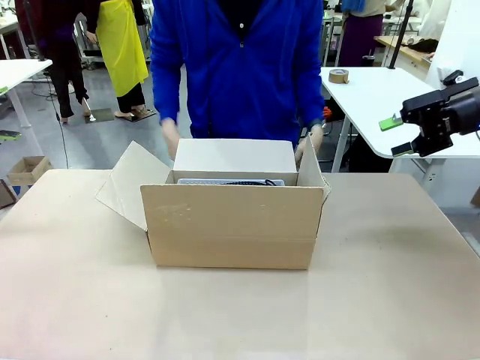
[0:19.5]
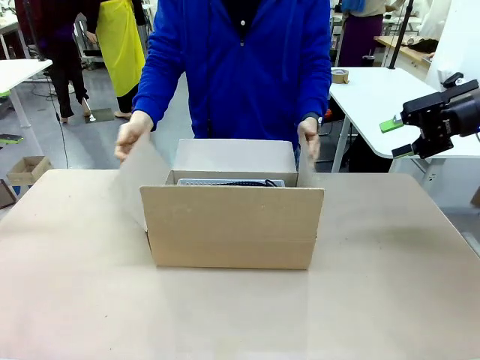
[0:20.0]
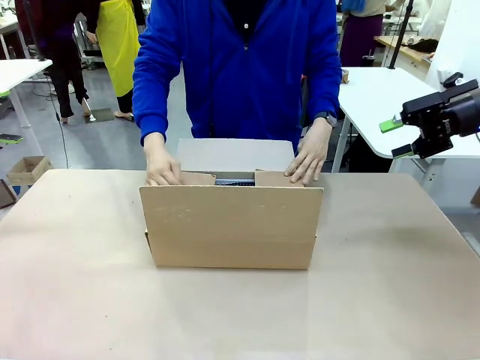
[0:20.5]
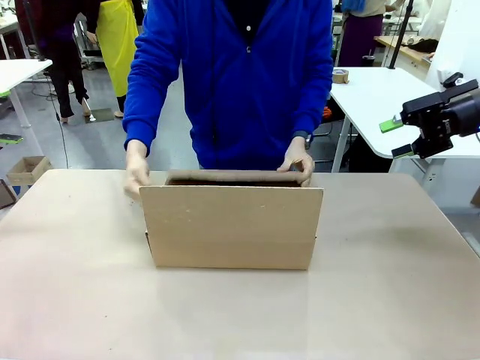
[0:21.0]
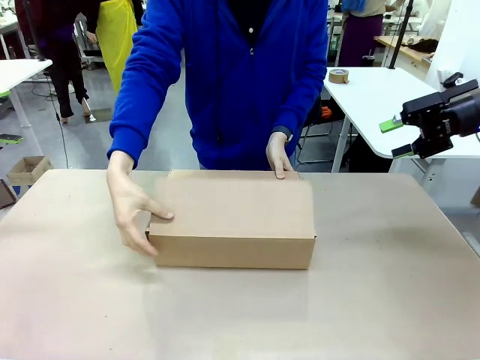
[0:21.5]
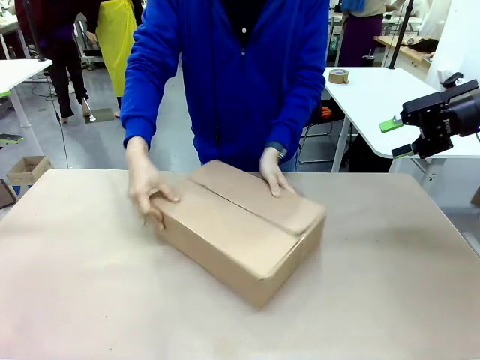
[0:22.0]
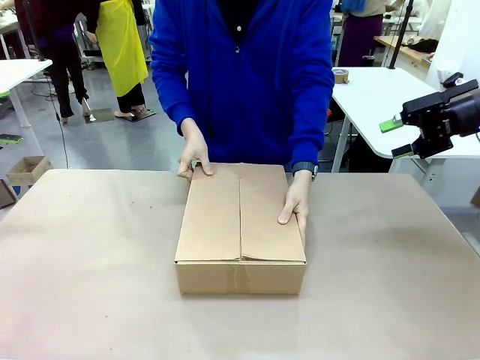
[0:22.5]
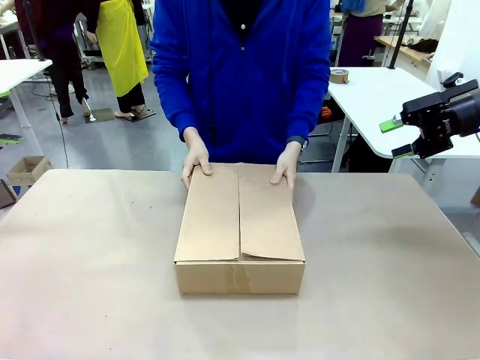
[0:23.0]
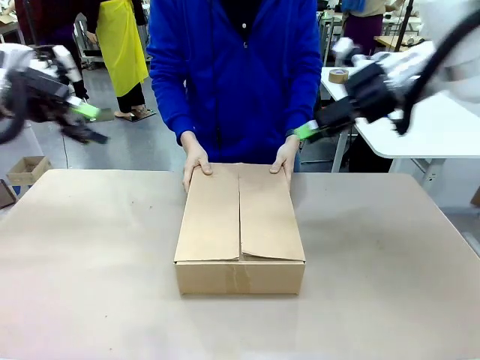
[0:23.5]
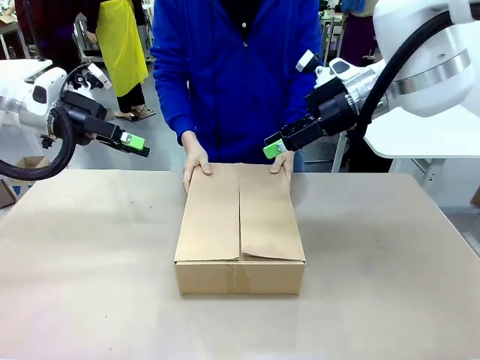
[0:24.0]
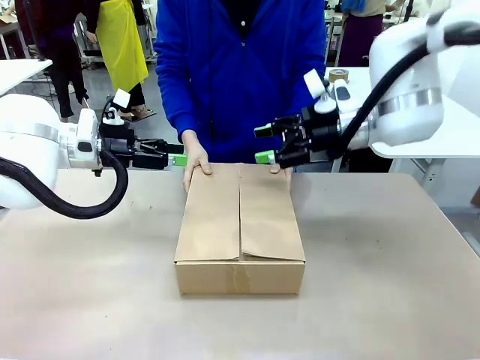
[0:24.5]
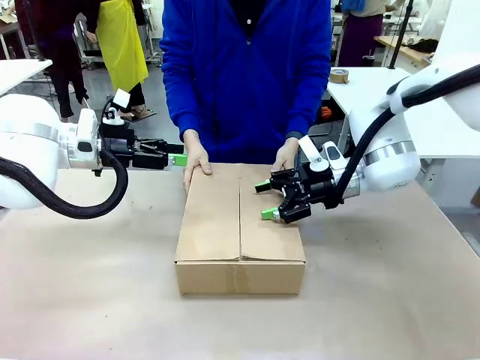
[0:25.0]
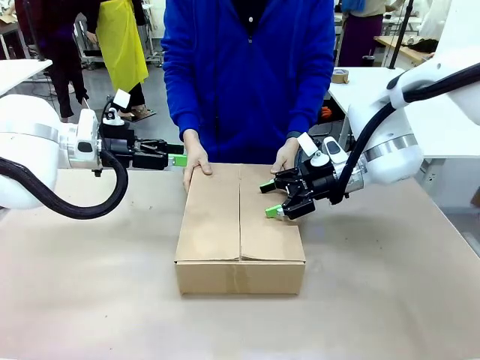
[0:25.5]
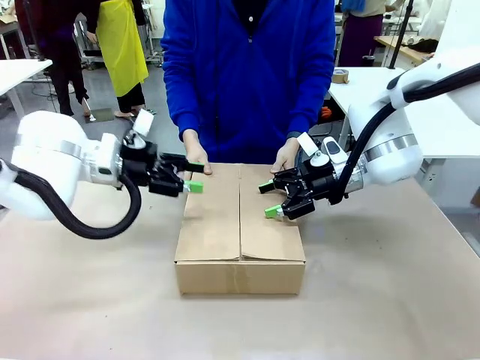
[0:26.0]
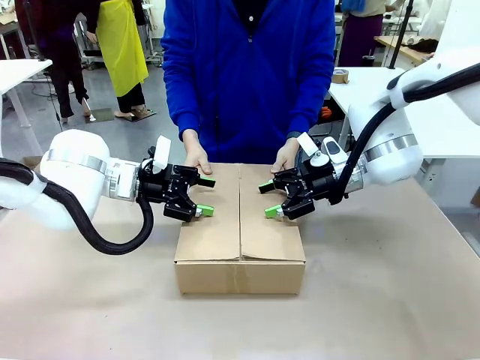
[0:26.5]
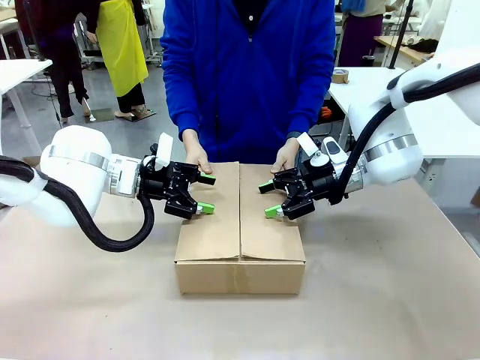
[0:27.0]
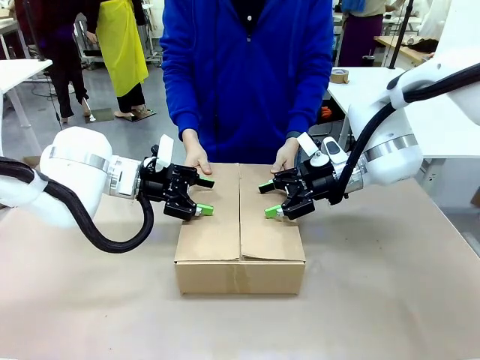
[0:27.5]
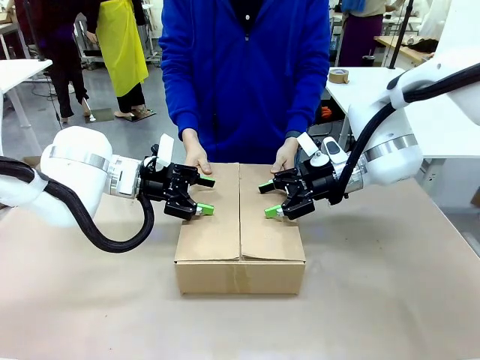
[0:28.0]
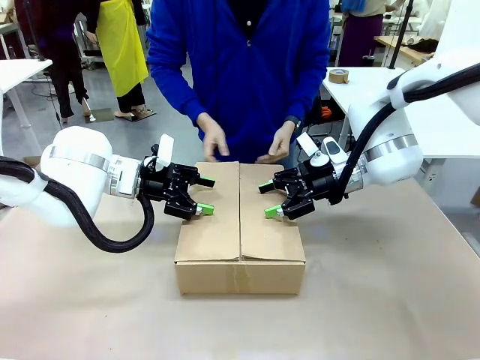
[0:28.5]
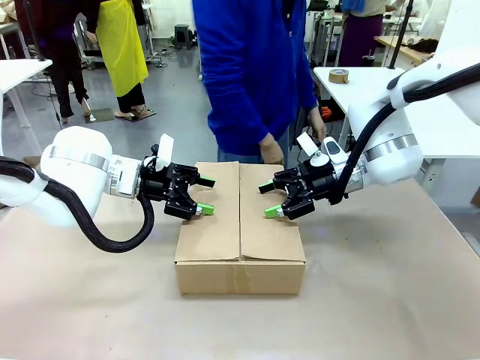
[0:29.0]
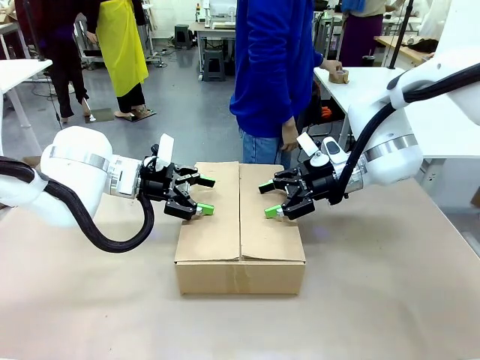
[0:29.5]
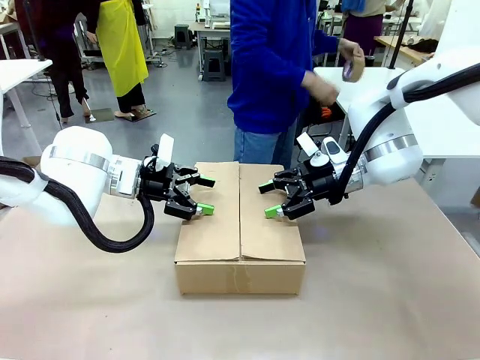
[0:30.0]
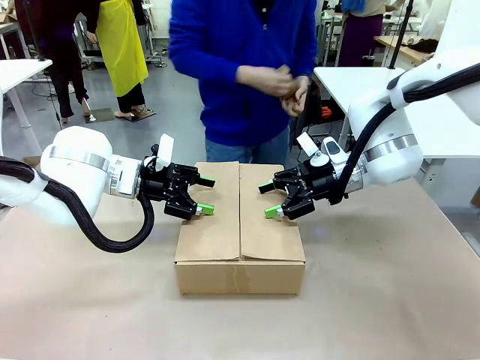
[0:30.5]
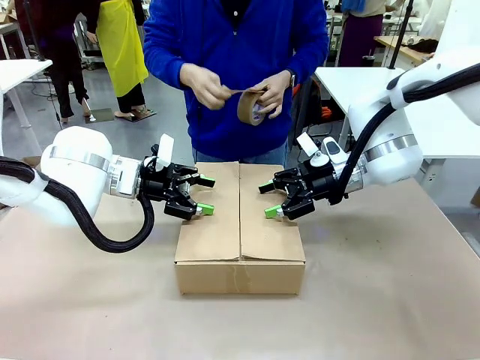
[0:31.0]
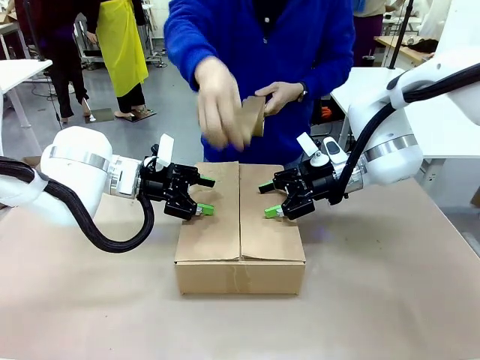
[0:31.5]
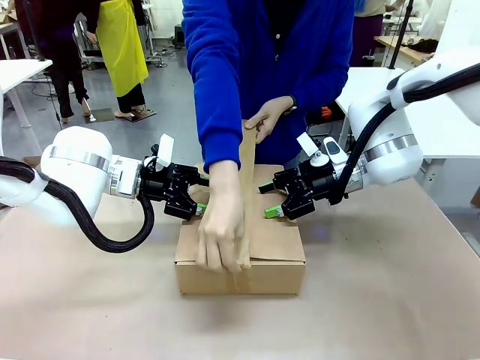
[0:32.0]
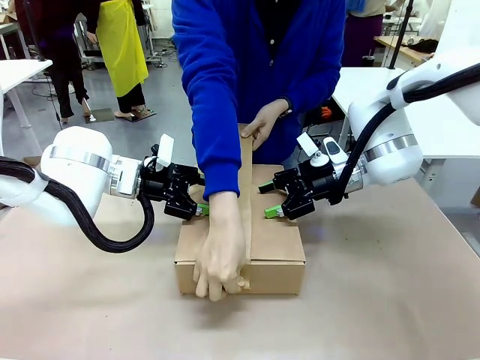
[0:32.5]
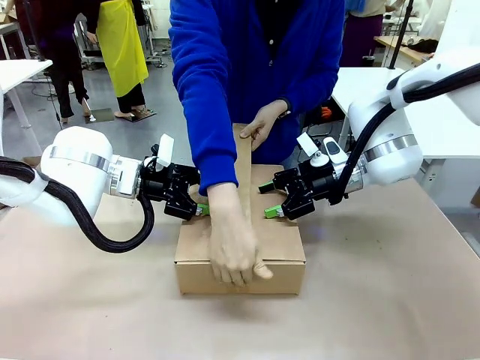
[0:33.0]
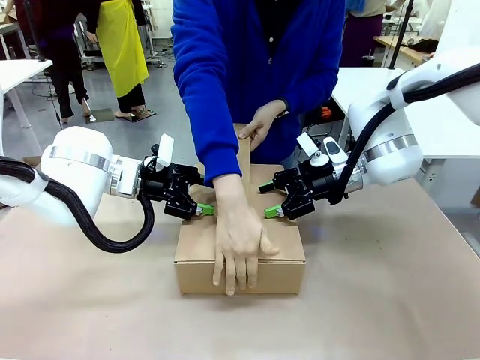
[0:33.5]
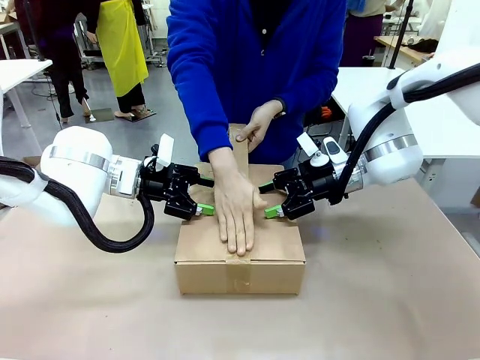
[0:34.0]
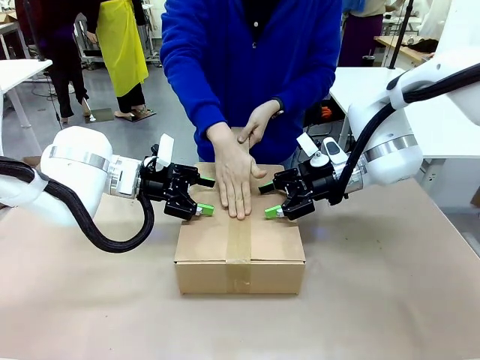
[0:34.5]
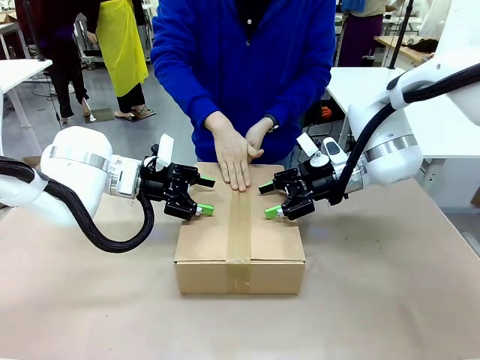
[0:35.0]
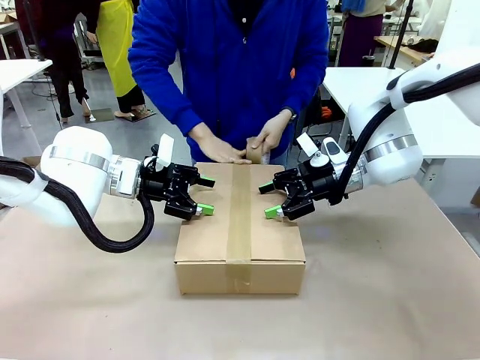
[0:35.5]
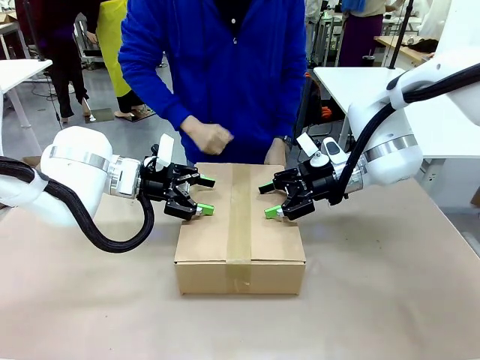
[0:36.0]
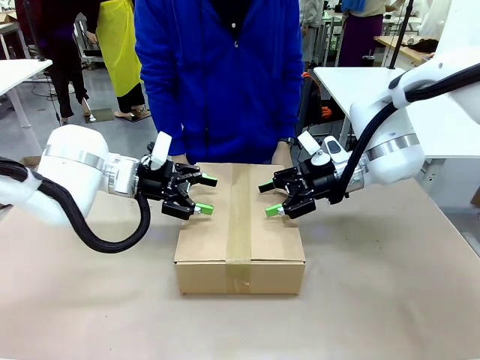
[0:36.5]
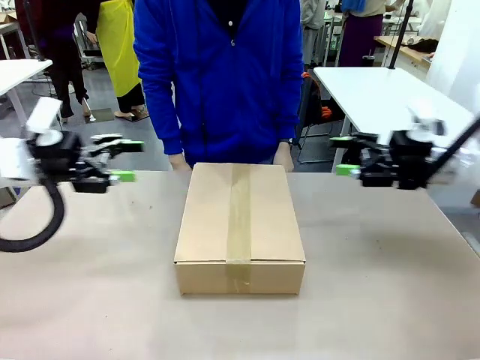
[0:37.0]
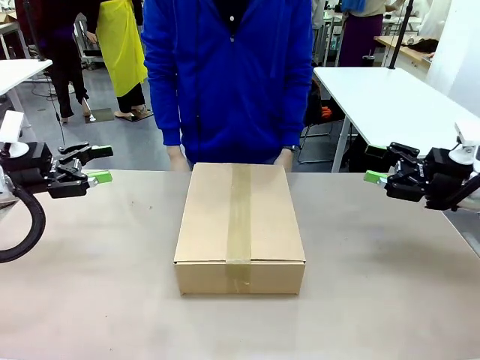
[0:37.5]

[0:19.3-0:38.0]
Task: Pack the gift set into the box.
Robot: Press and hold the closed box until the human finishes sealing it.
Person: The human closes the box and rotates the box by 90 degrees. The human picks up the paper tape from the human table and packs the box.
